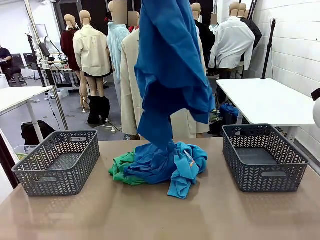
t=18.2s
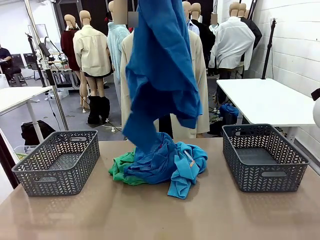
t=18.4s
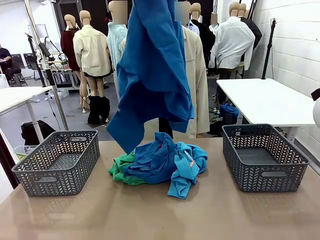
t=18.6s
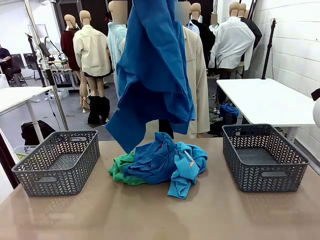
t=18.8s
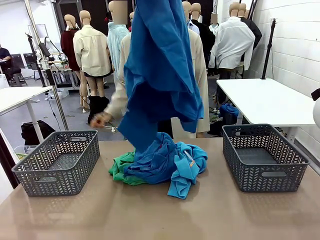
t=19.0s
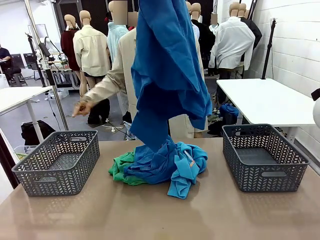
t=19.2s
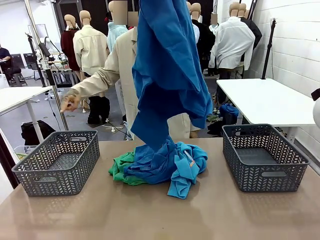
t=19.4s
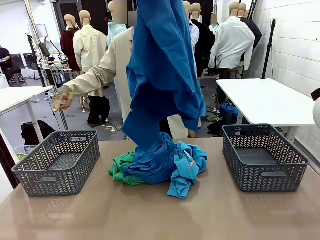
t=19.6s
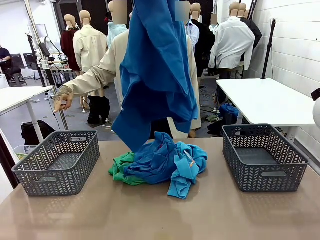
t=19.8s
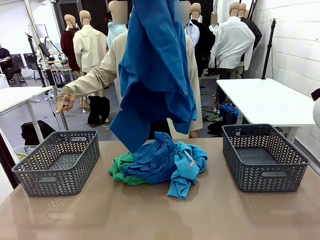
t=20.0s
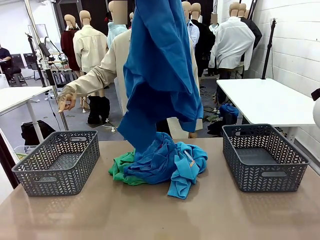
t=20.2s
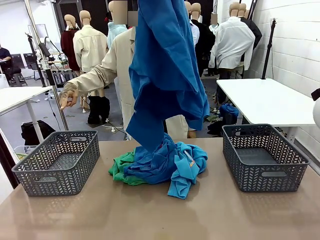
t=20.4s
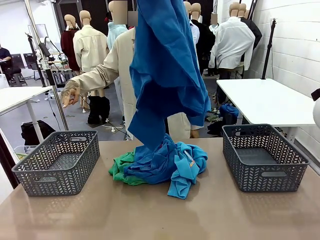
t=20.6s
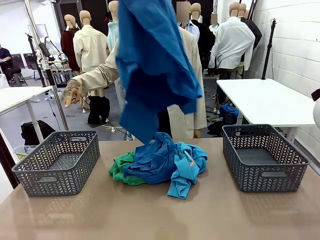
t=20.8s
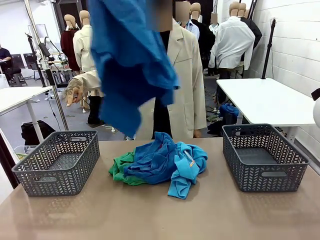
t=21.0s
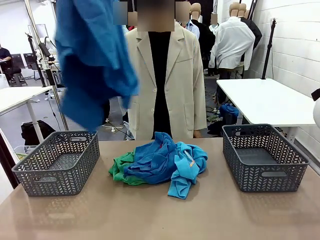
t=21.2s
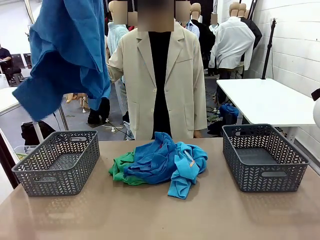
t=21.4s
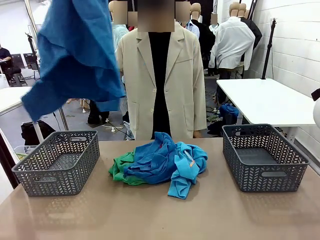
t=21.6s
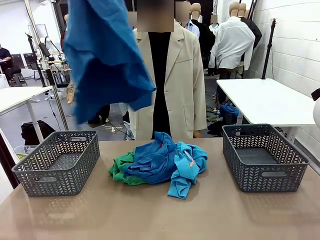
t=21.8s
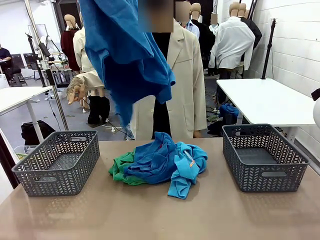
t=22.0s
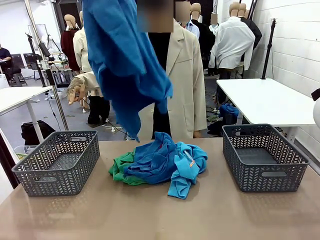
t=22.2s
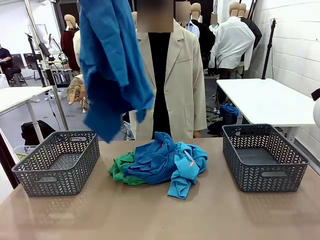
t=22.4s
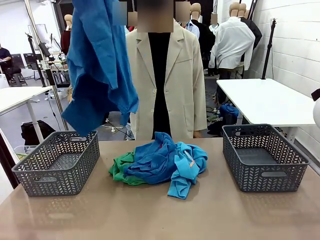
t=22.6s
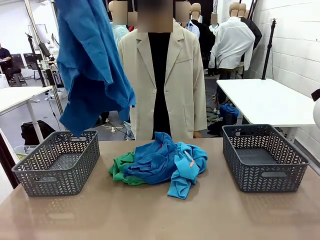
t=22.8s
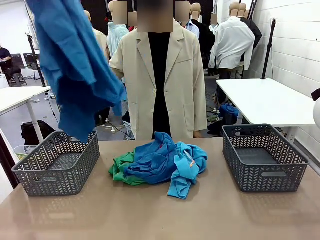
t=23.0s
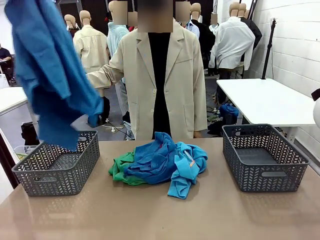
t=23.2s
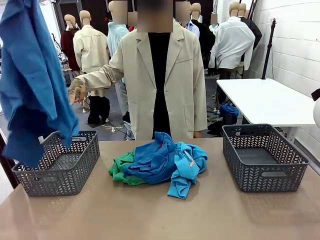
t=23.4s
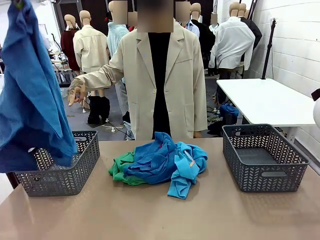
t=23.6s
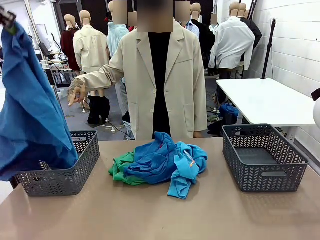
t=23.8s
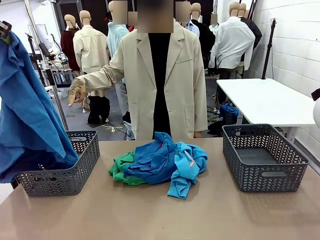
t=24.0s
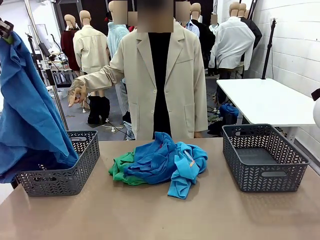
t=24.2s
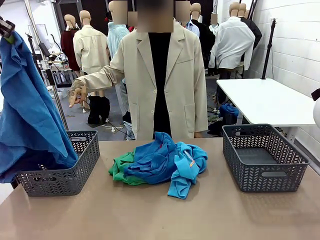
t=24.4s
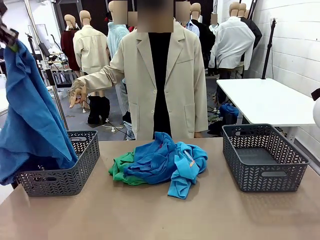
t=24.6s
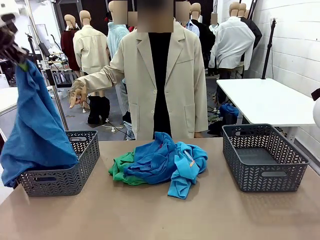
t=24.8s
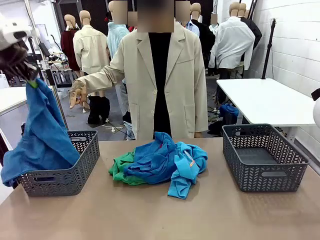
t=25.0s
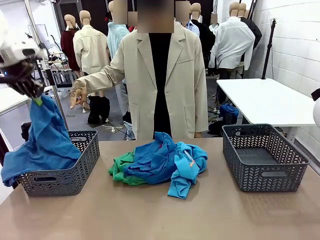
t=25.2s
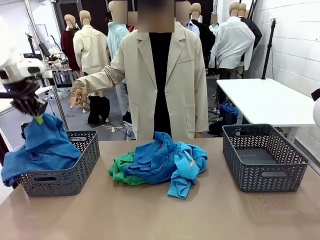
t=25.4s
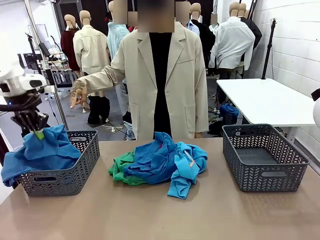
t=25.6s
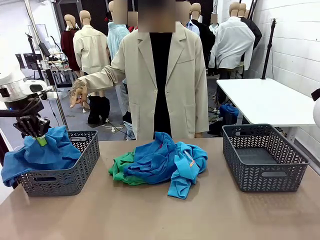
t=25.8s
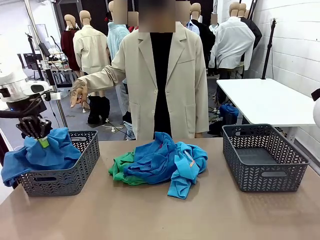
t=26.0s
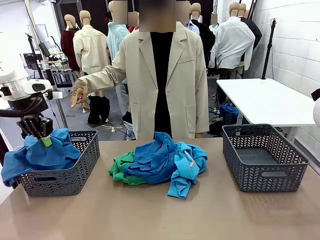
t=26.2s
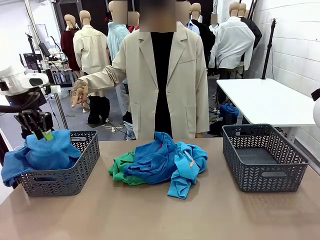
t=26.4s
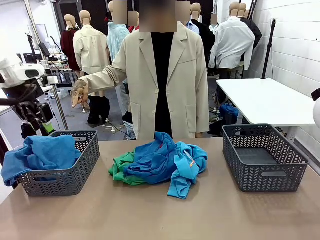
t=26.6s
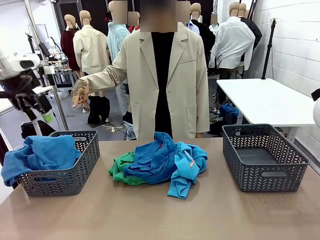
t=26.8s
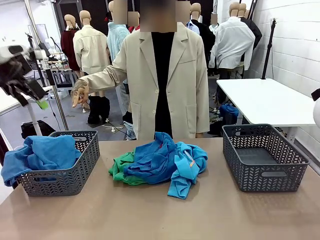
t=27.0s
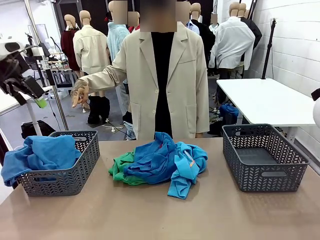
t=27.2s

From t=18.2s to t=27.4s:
Task: Sort the tops and bottoms.
Robot: Sort the clothes according to human instructions.

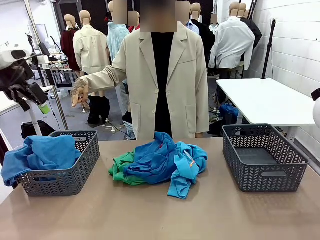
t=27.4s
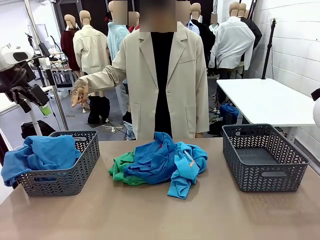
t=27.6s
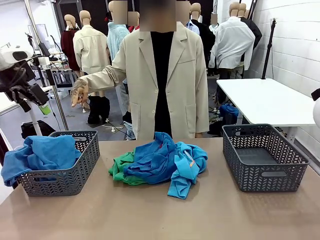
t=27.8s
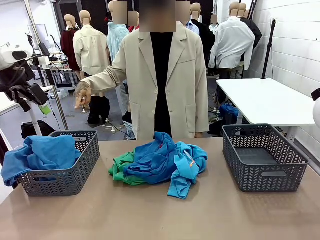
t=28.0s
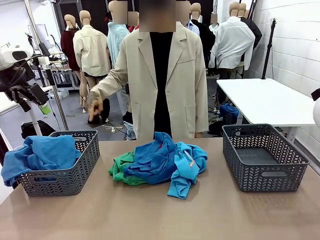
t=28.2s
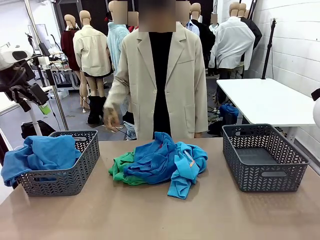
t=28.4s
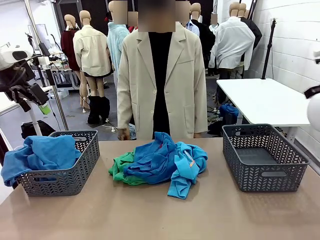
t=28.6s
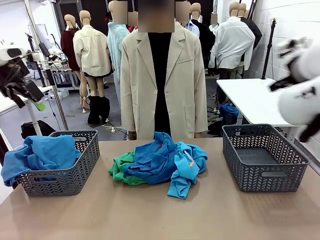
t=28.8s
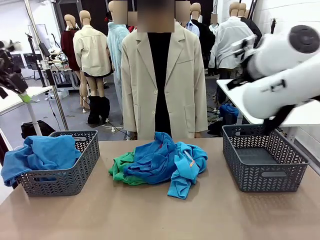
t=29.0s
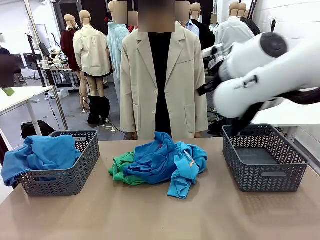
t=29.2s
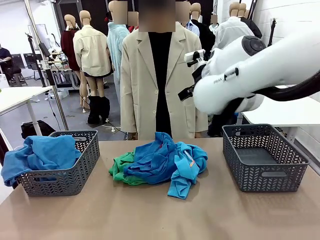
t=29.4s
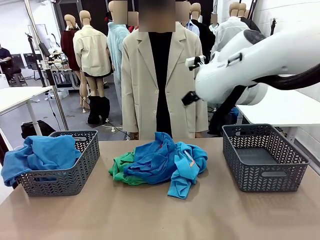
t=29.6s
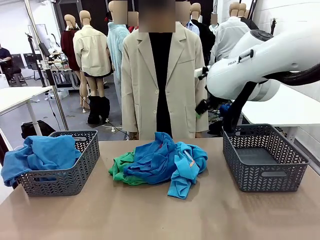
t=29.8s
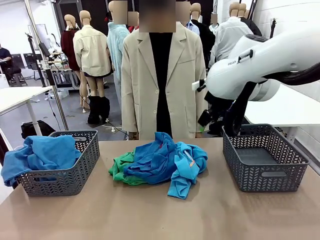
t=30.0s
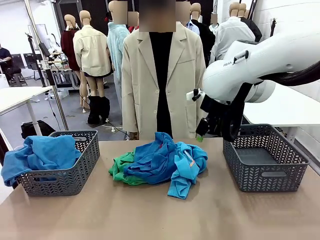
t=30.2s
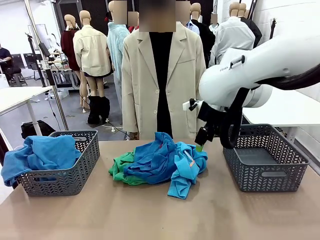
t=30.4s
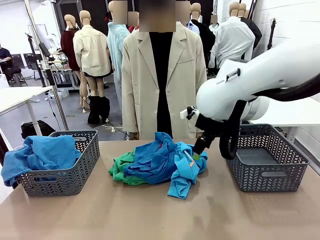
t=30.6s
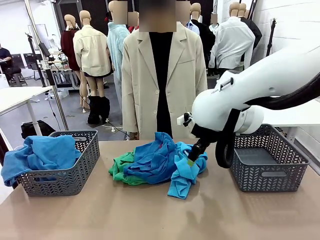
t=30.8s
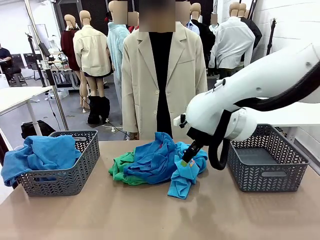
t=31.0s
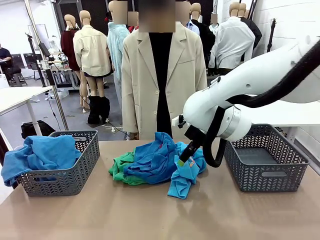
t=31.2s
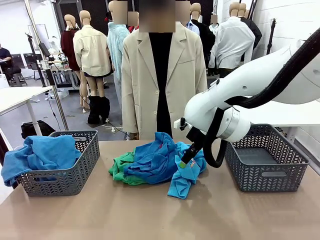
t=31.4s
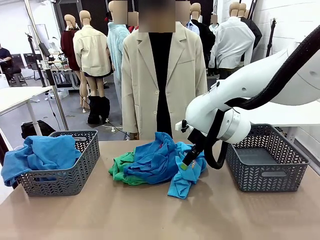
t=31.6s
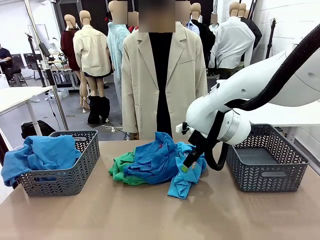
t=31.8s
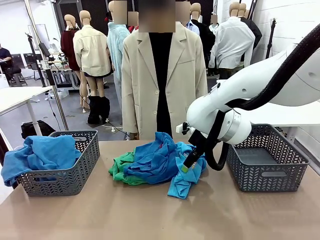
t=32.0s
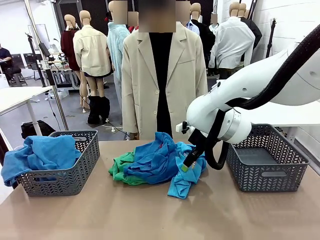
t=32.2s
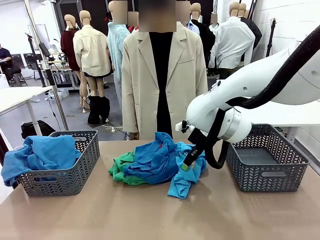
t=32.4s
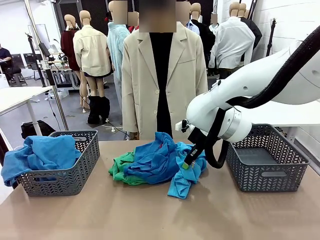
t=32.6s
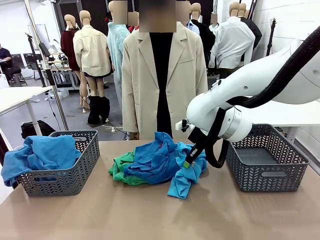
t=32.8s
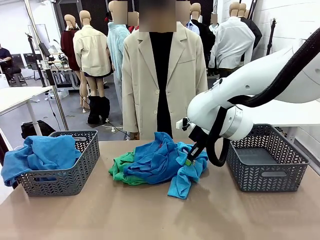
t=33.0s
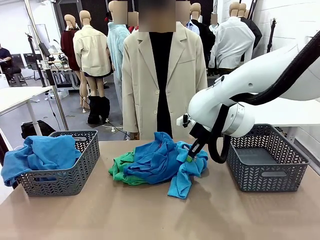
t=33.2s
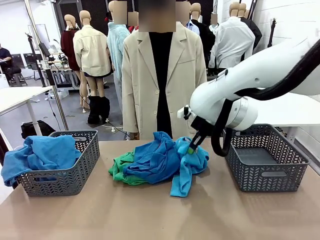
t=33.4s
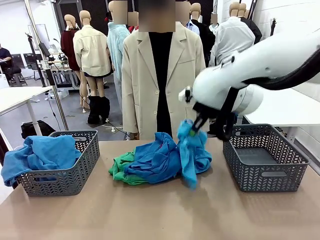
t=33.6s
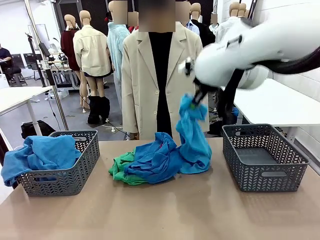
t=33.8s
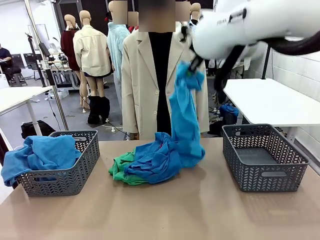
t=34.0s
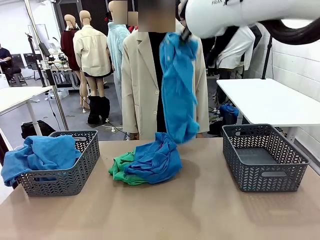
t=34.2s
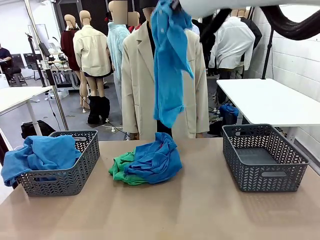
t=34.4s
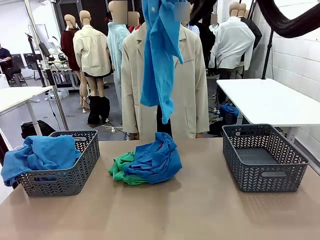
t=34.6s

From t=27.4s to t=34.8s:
Robot: Lift clothes from the center of the table with your right hand.

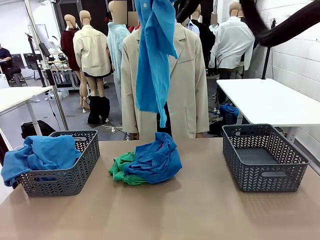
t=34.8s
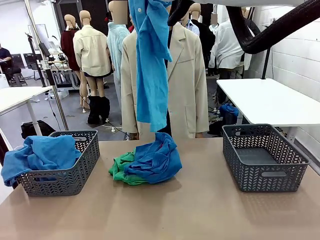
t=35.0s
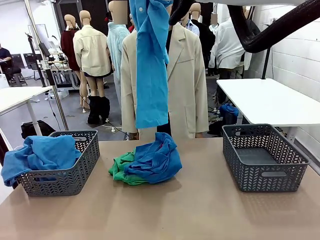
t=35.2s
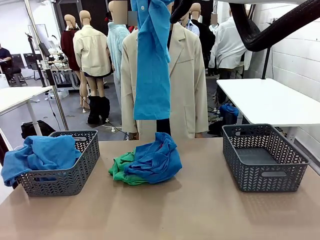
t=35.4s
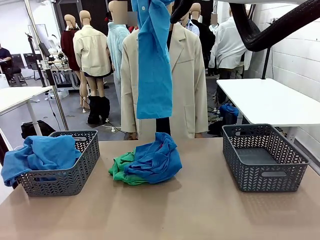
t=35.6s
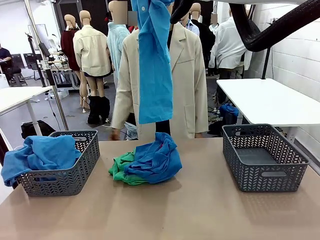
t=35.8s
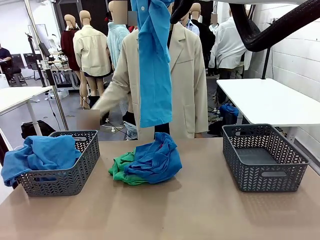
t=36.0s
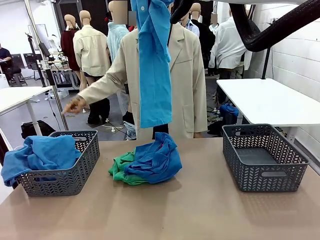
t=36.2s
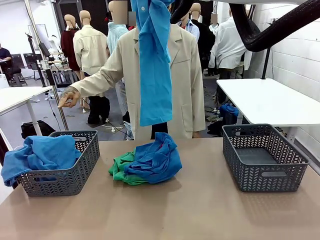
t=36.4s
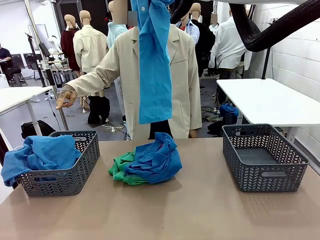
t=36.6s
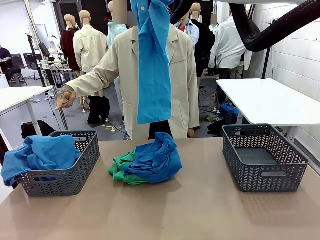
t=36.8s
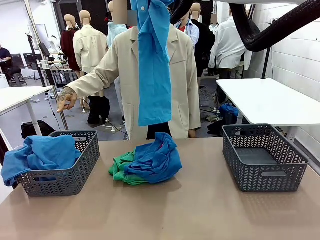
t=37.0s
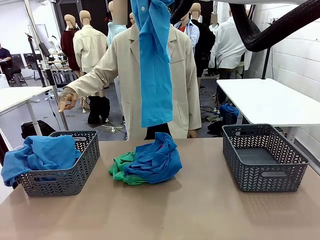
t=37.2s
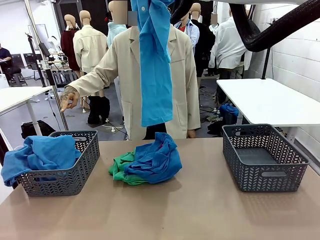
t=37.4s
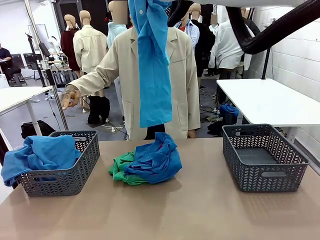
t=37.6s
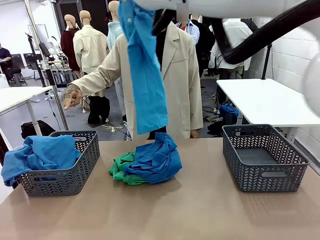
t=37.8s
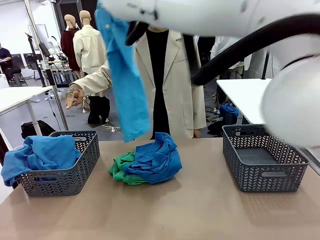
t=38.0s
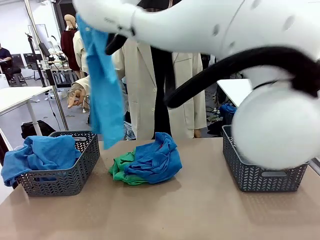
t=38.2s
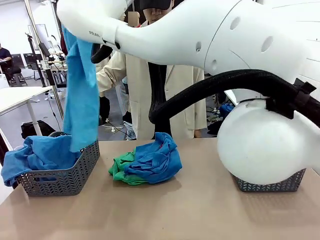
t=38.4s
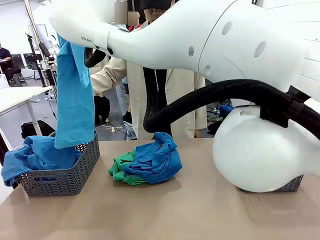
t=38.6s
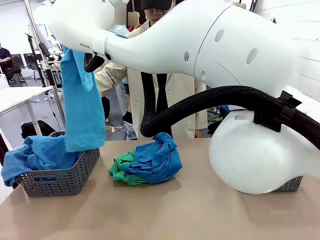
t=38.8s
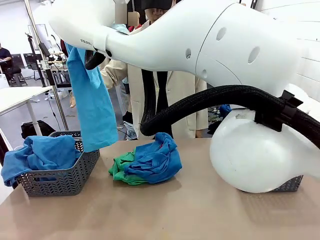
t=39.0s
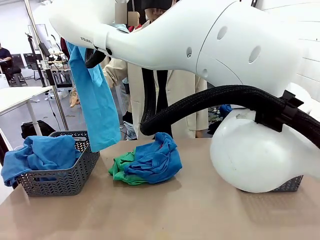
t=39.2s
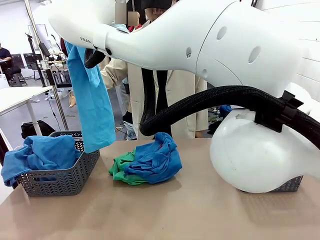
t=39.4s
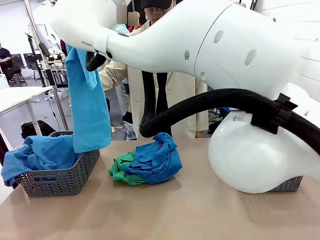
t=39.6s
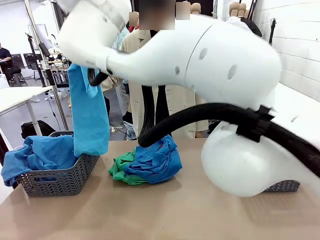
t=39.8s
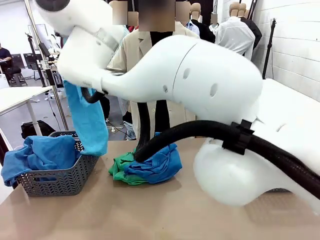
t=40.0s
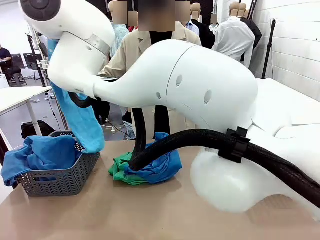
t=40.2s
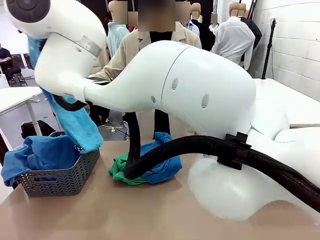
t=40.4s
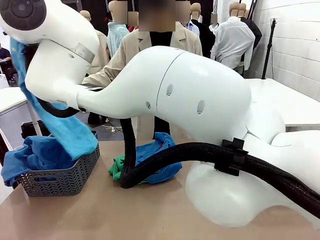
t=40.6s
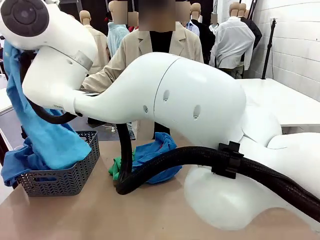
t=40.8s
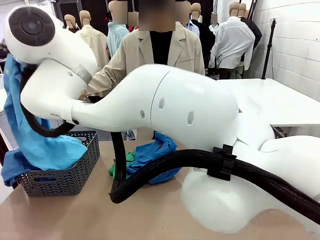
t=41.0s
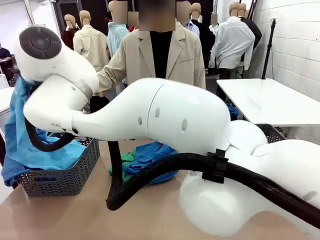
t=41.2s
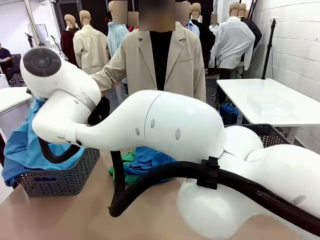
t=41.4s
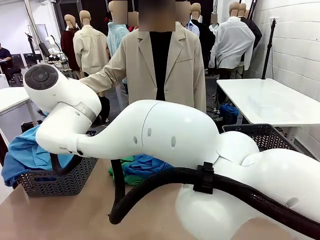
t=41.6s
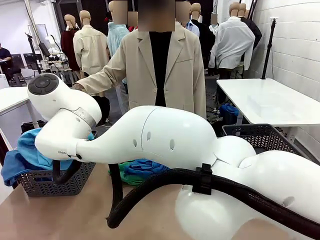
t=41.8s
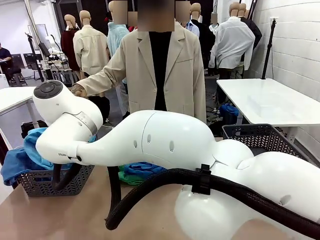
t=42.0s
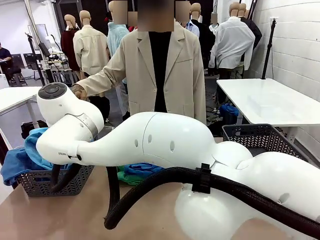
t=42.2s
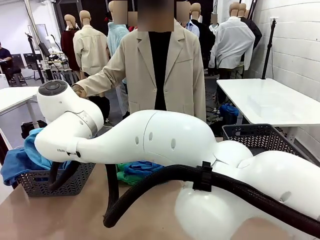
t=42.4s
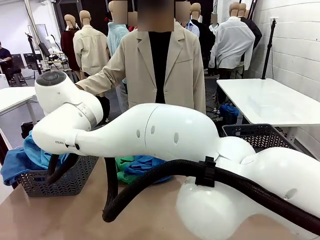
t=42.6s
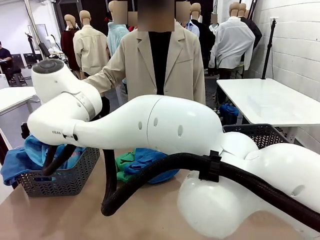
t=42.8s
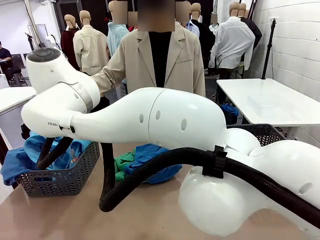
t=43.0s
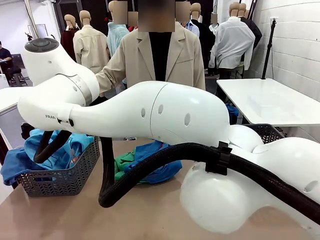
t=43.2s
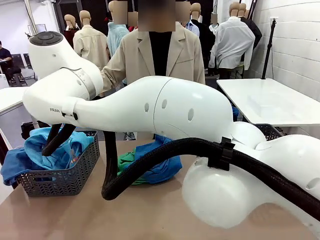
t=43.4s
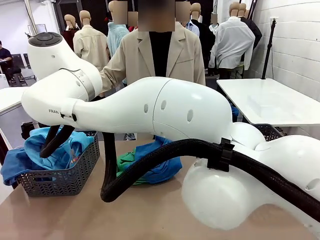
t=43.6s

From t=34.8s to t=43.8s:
Robot: Sort the clothes according to human instructions.
